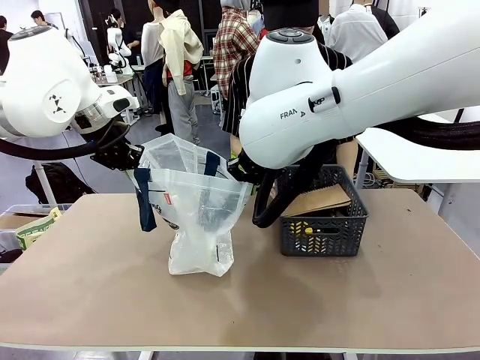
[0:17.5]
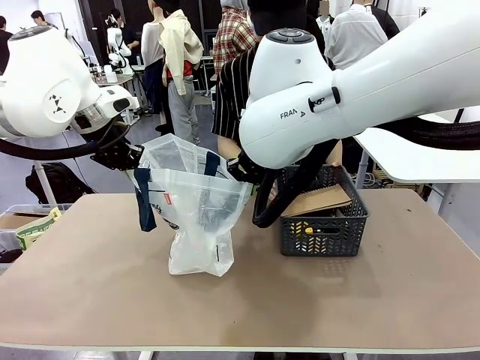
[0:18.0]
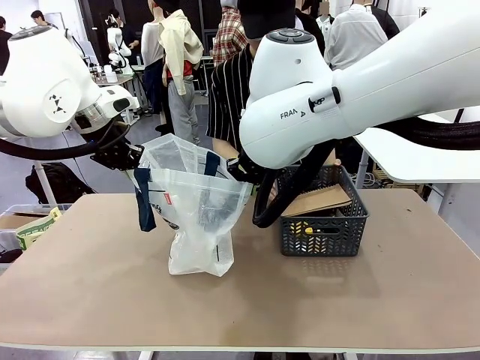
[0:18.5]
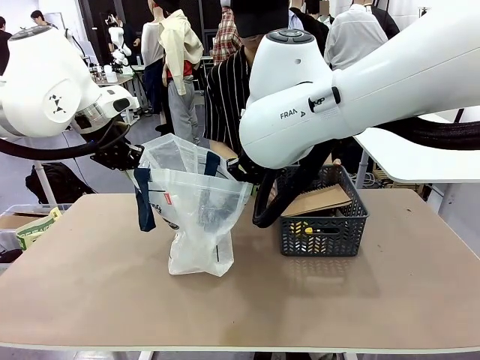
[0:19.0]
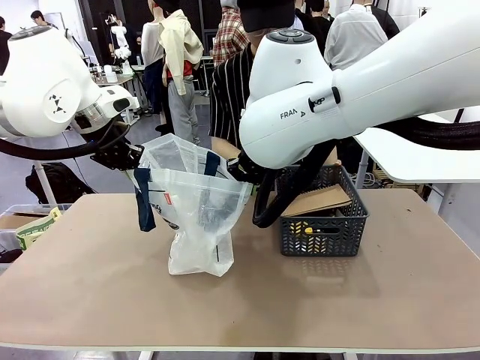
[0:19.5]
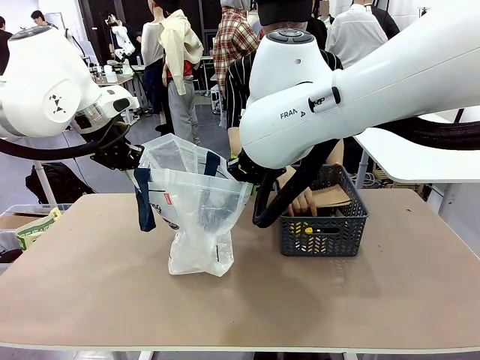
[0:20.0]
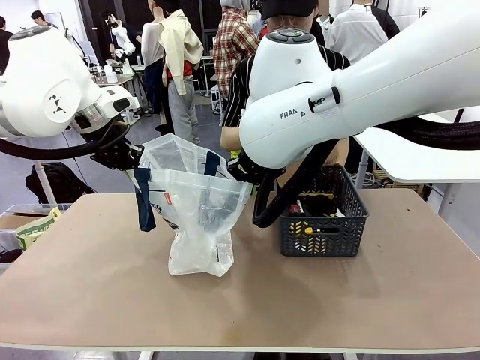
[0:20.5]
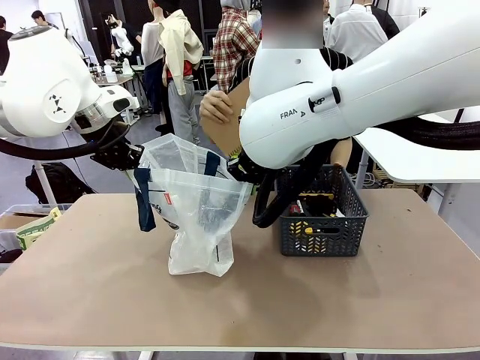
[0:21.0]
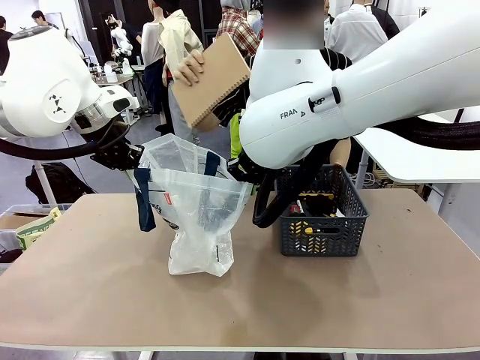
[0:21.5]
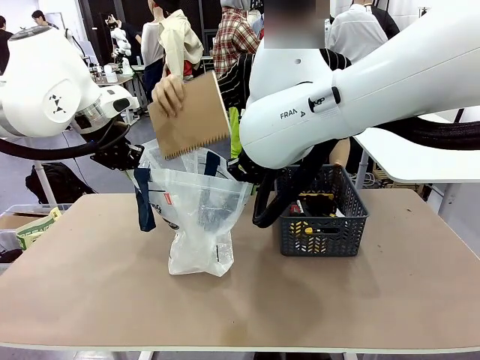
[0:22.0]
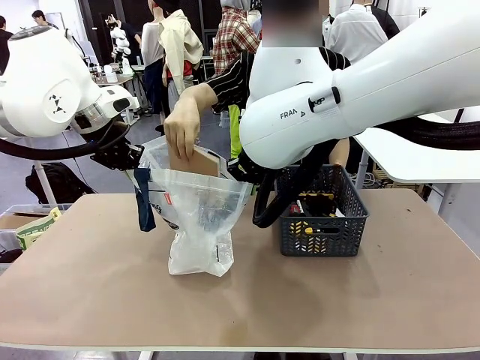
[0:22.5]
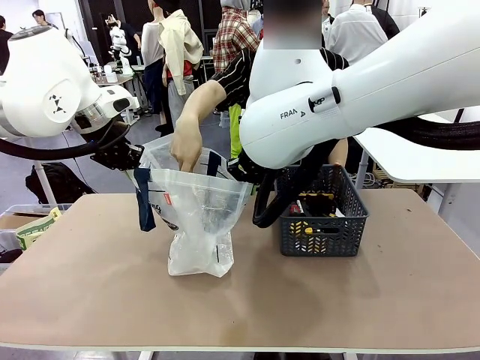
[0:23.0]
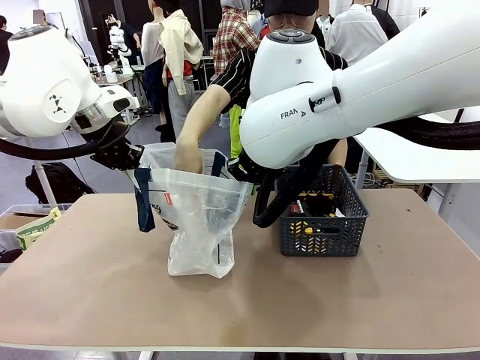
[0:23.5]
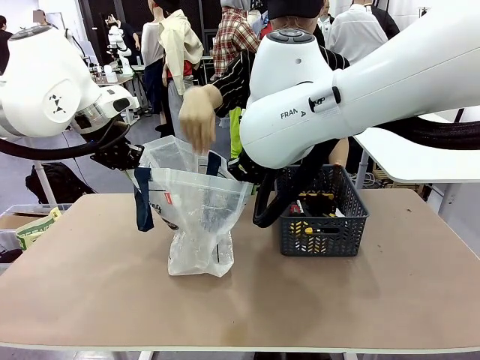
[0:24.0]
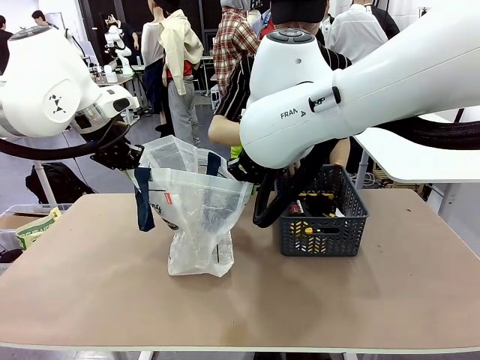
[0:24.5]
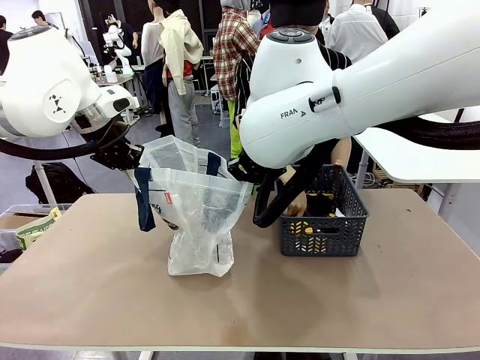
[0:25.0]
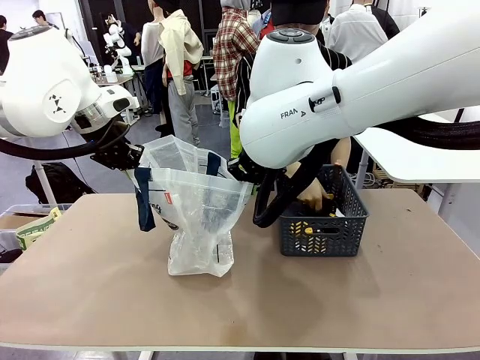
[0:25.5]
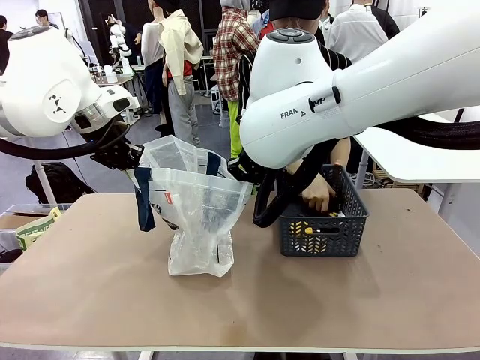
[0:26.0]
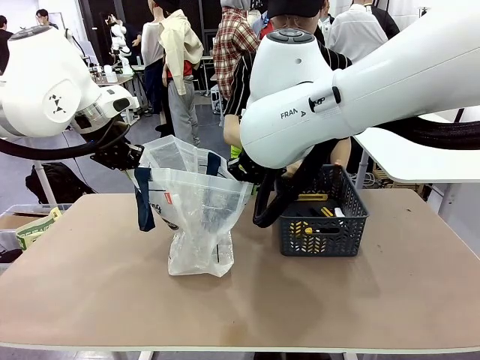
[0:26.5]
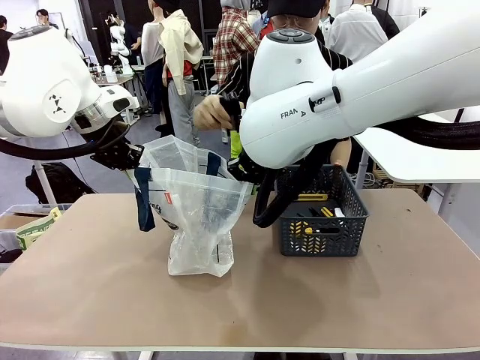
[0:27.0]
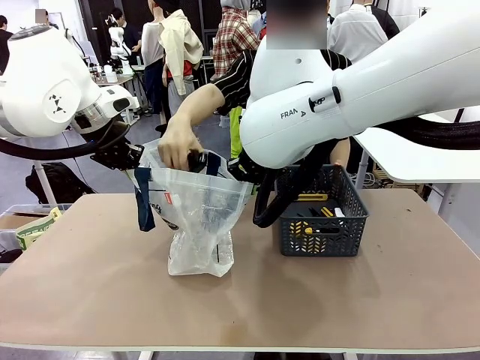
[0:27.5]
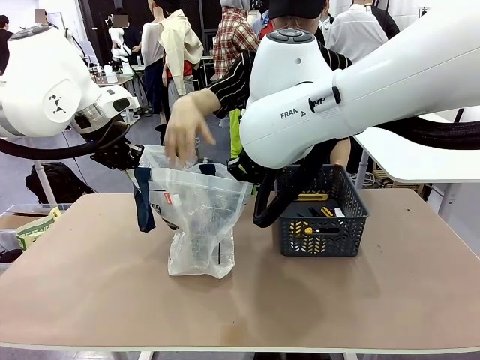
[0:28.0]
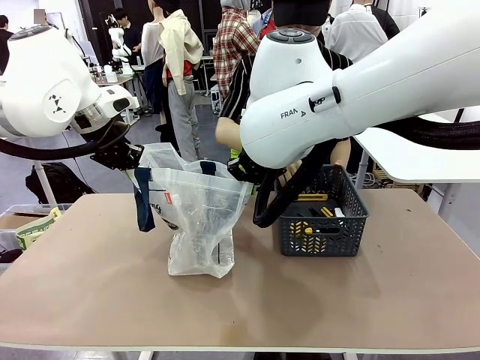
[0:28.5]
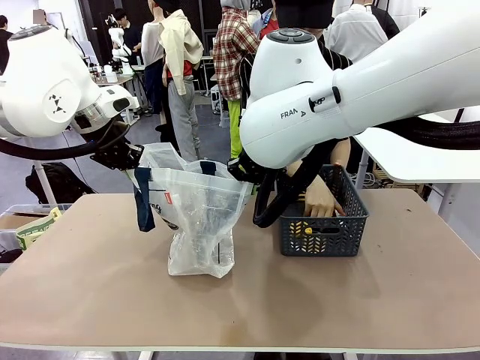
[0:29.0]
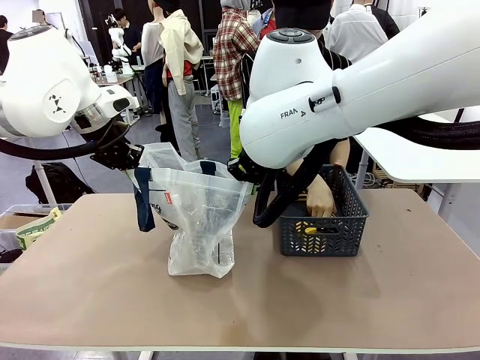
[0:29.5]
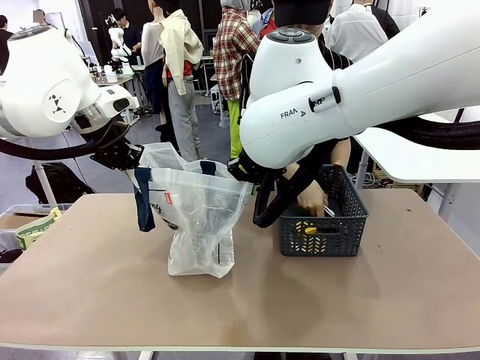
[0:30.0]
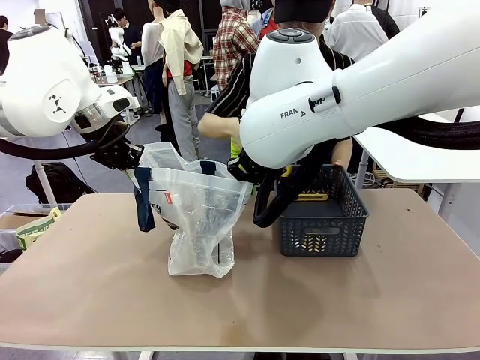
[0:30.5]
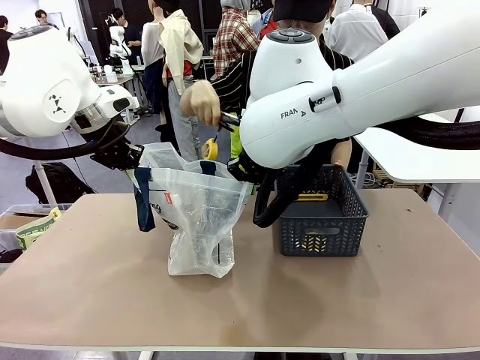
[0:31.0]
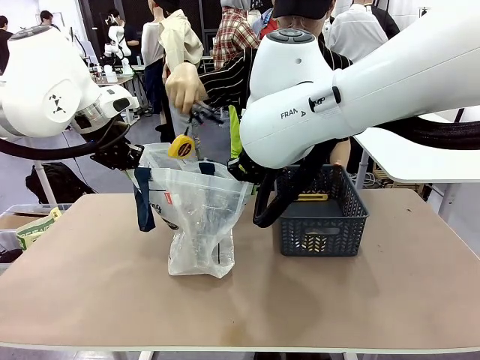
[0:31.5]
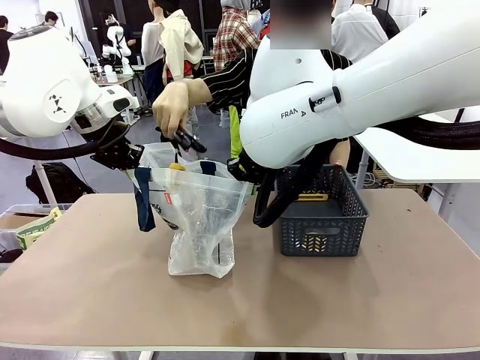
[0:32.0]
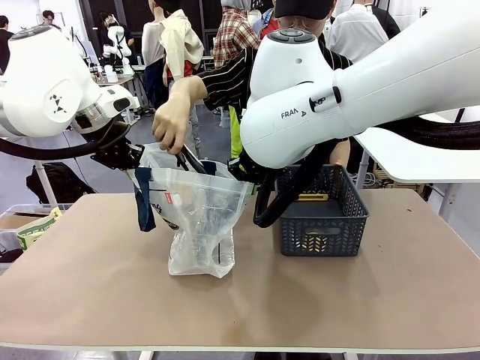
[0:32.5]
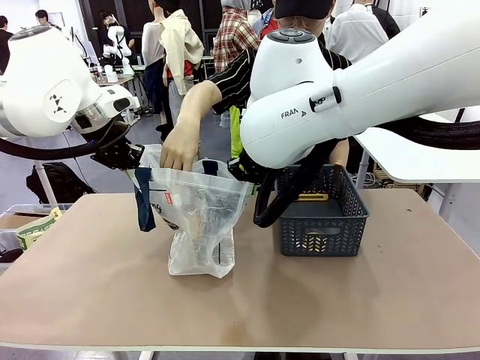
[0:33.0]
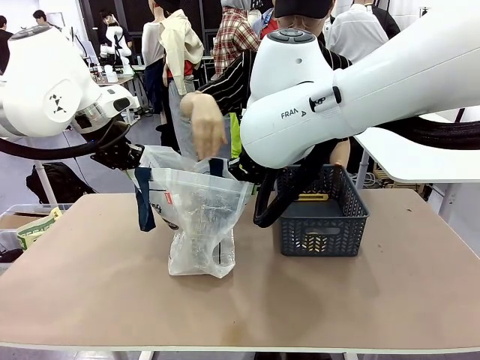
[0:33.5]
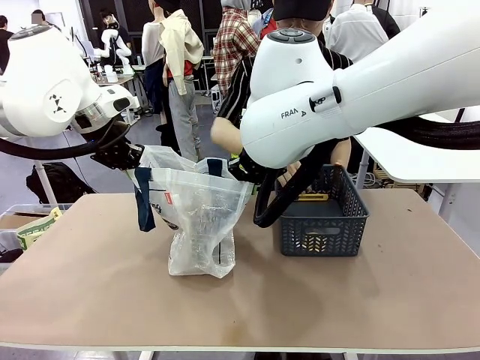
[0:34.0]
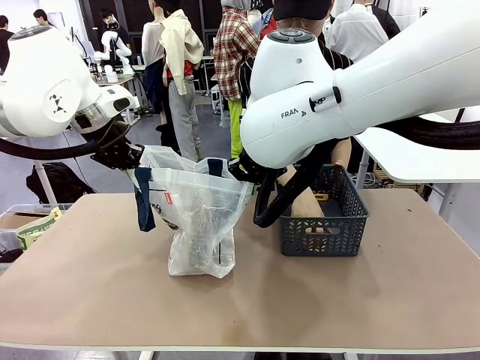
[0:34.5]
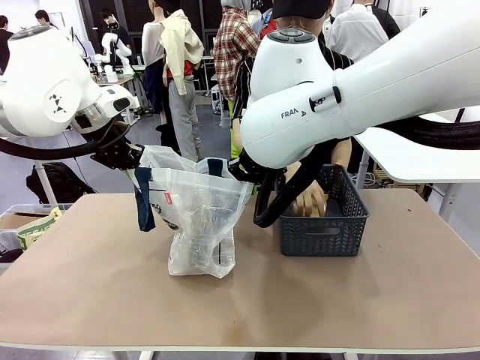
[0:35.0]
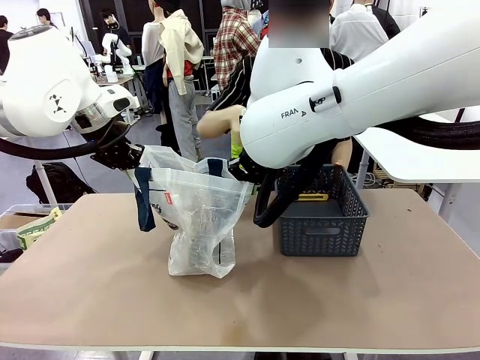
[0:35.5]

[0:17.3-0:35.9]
Task: Transfer purchased items from the store into the shopping bag.
Robot: Move the Reusable shopping bag to the right side of the table.
Person: Pick up the basket with the items out and place it on the right side of the human table.
